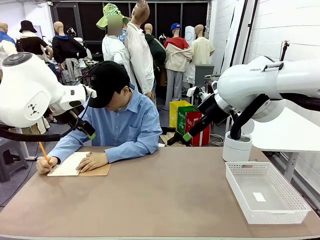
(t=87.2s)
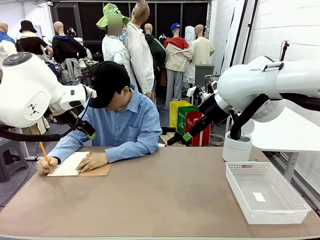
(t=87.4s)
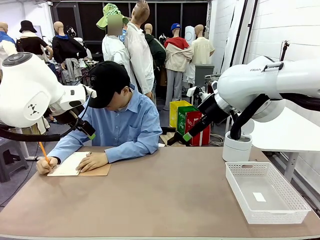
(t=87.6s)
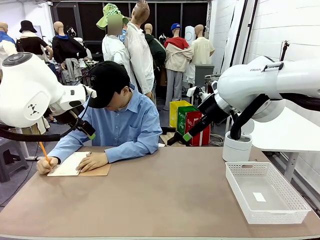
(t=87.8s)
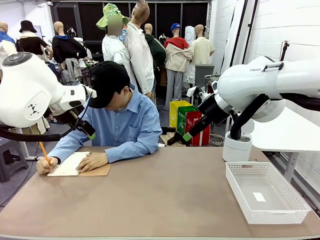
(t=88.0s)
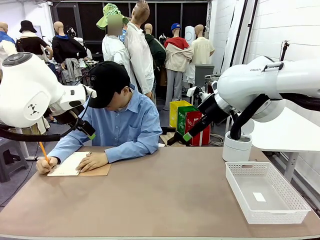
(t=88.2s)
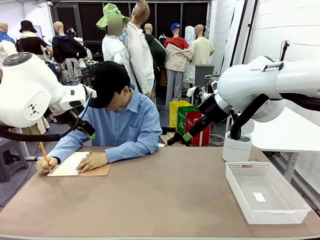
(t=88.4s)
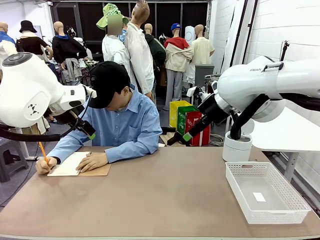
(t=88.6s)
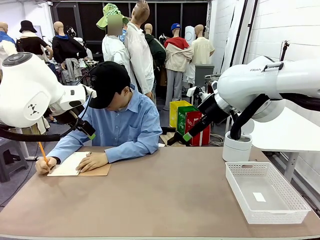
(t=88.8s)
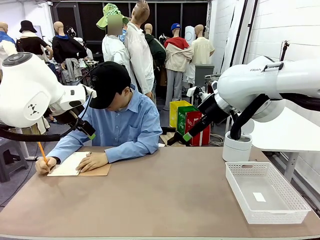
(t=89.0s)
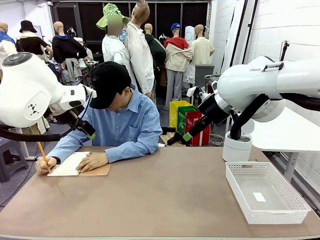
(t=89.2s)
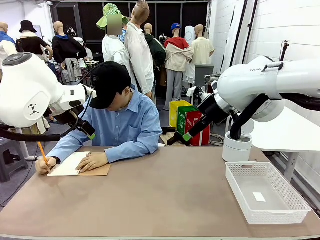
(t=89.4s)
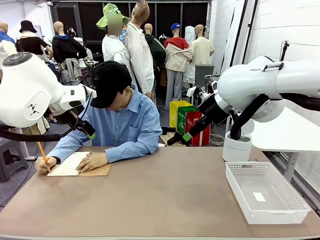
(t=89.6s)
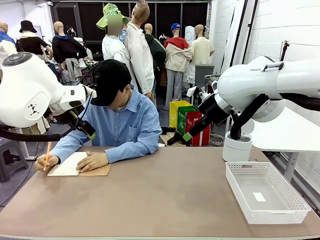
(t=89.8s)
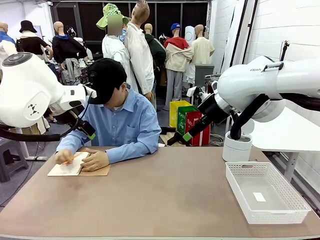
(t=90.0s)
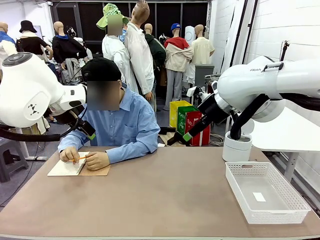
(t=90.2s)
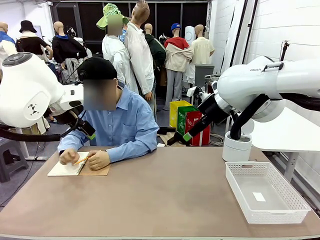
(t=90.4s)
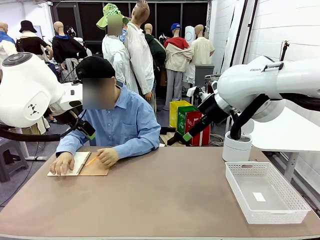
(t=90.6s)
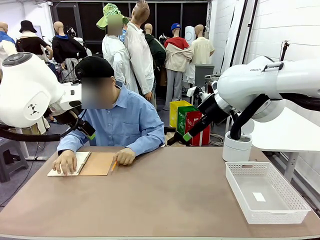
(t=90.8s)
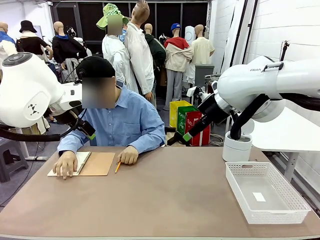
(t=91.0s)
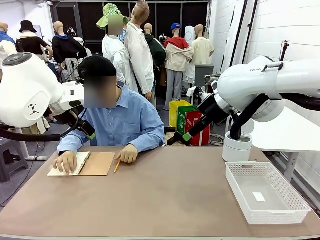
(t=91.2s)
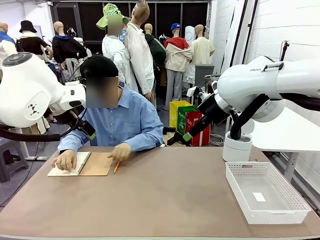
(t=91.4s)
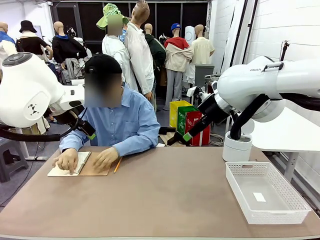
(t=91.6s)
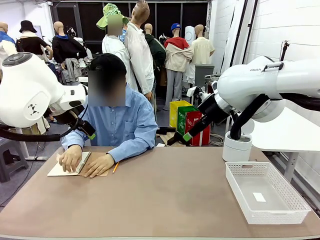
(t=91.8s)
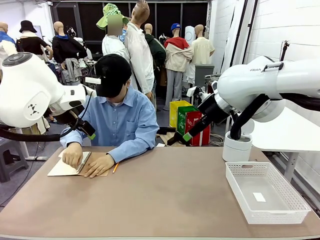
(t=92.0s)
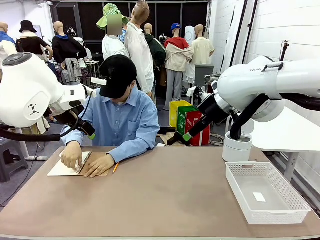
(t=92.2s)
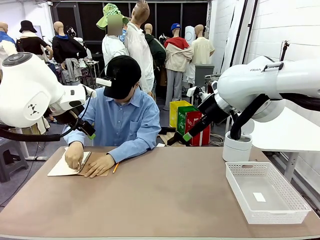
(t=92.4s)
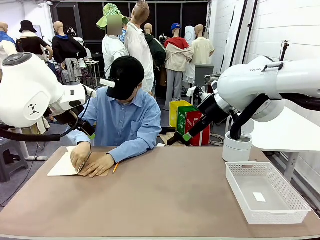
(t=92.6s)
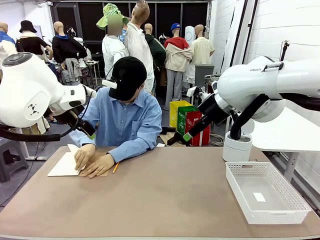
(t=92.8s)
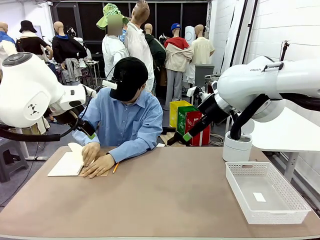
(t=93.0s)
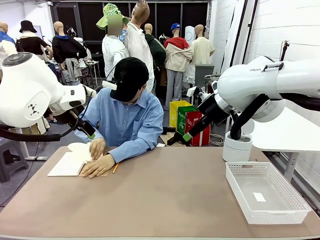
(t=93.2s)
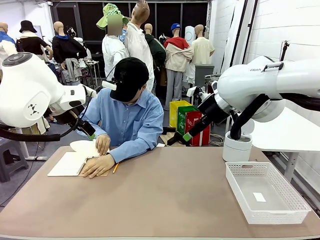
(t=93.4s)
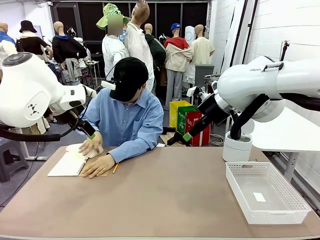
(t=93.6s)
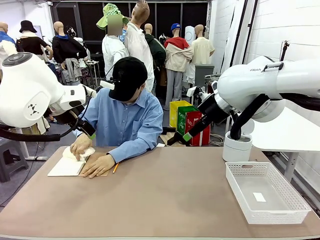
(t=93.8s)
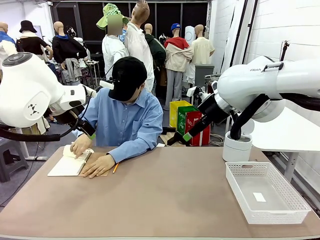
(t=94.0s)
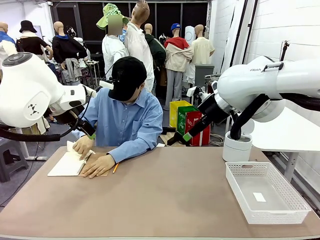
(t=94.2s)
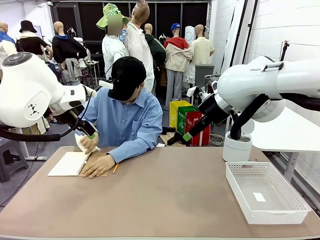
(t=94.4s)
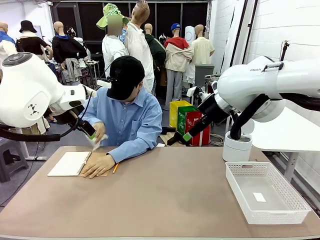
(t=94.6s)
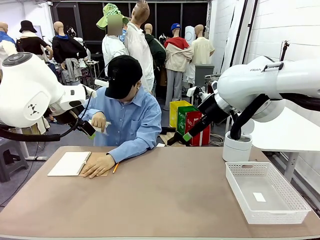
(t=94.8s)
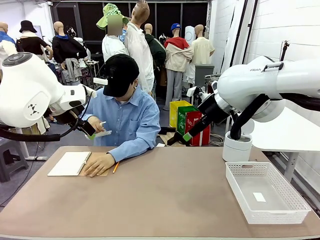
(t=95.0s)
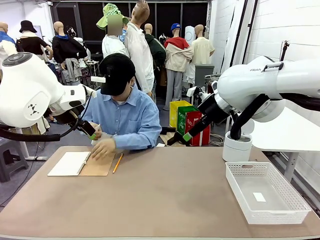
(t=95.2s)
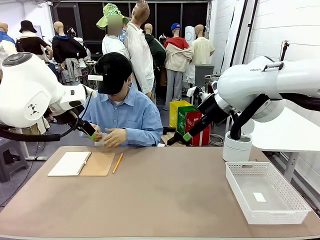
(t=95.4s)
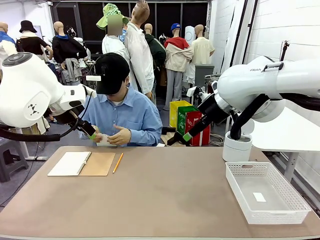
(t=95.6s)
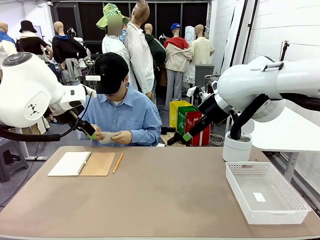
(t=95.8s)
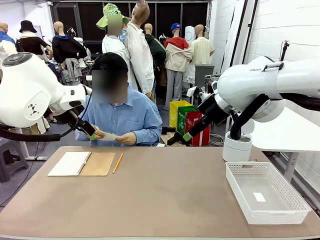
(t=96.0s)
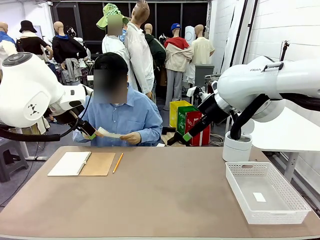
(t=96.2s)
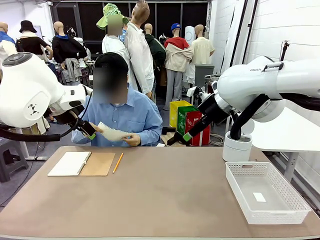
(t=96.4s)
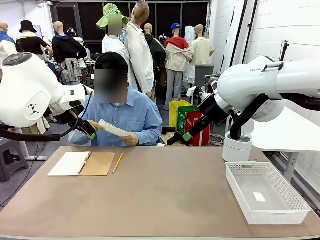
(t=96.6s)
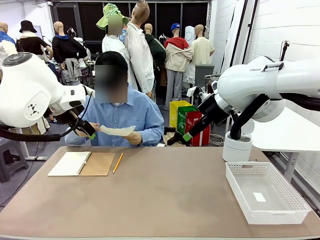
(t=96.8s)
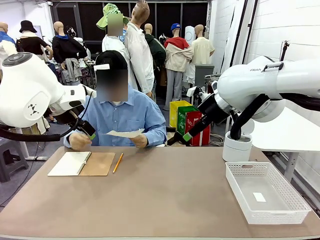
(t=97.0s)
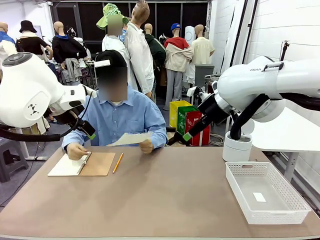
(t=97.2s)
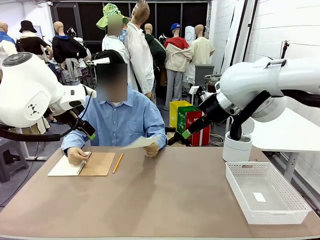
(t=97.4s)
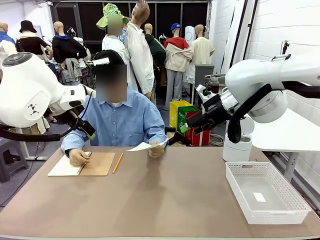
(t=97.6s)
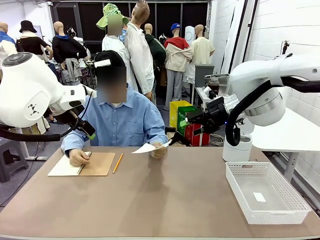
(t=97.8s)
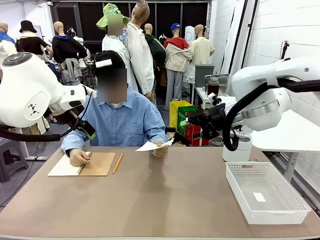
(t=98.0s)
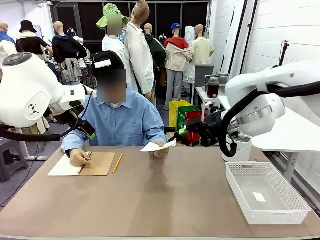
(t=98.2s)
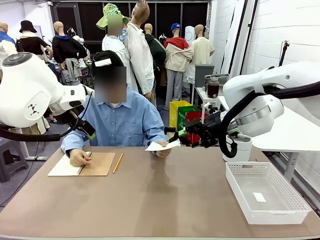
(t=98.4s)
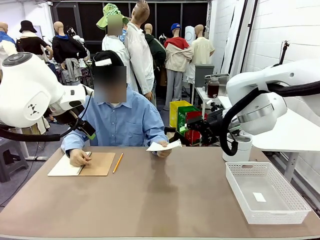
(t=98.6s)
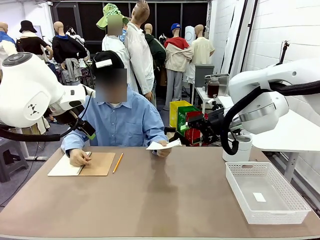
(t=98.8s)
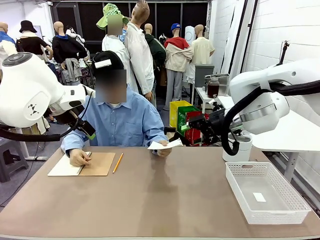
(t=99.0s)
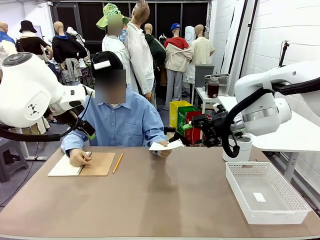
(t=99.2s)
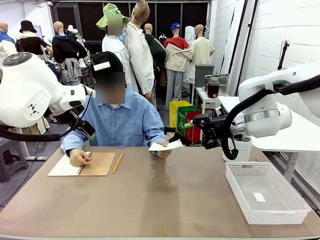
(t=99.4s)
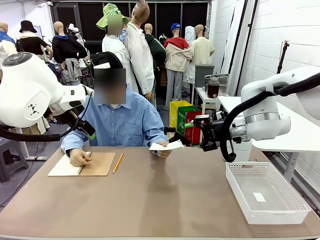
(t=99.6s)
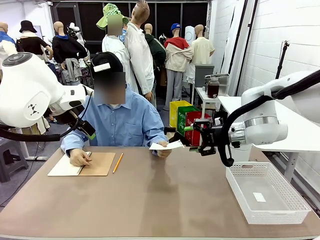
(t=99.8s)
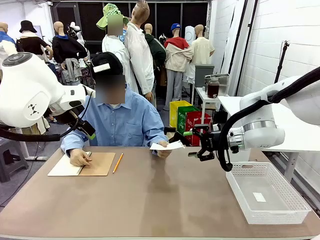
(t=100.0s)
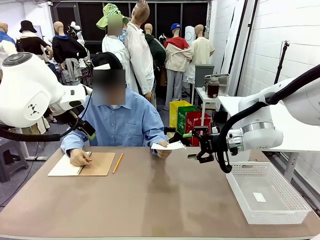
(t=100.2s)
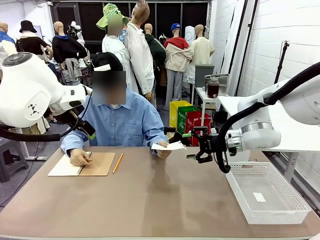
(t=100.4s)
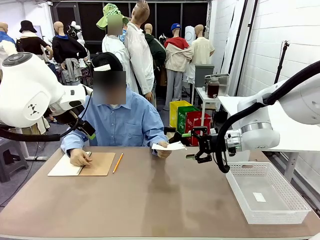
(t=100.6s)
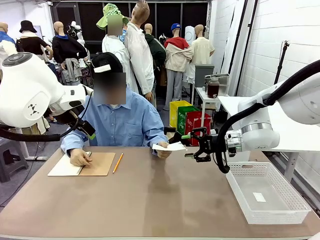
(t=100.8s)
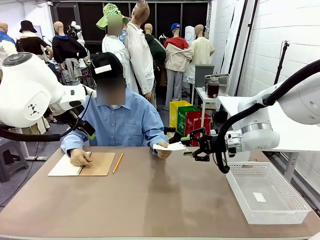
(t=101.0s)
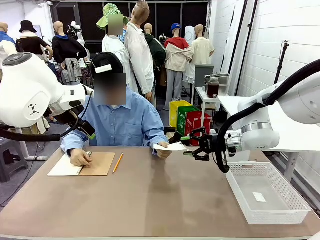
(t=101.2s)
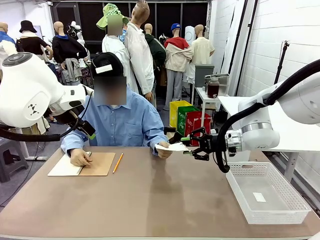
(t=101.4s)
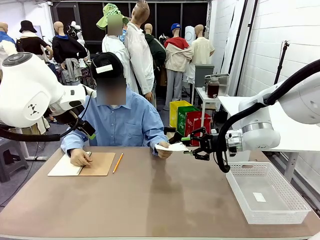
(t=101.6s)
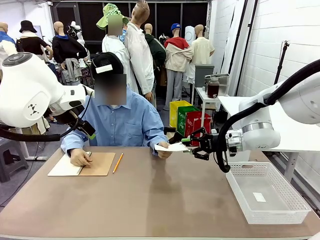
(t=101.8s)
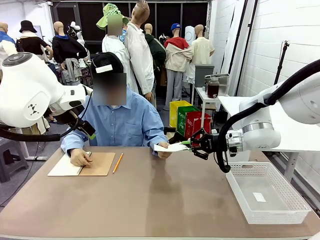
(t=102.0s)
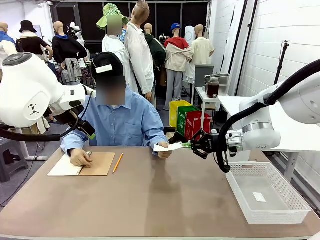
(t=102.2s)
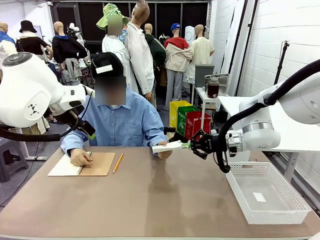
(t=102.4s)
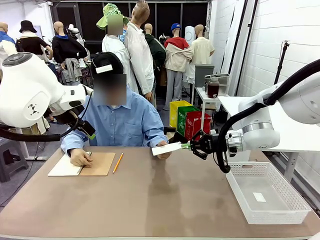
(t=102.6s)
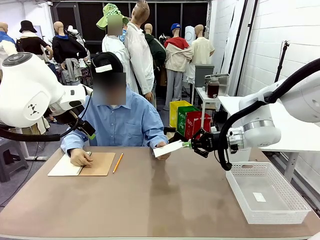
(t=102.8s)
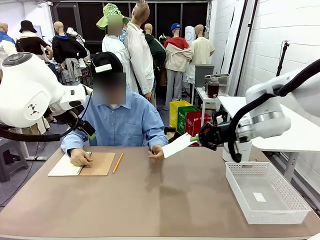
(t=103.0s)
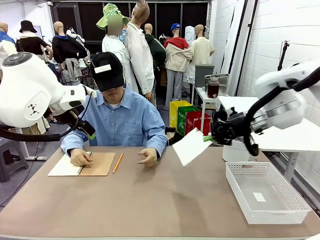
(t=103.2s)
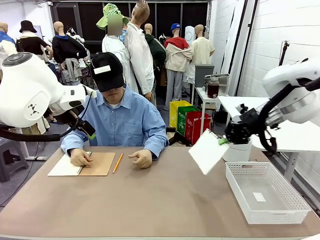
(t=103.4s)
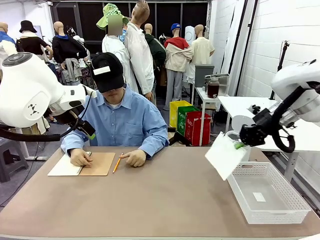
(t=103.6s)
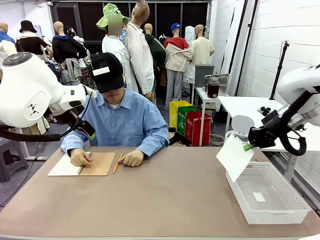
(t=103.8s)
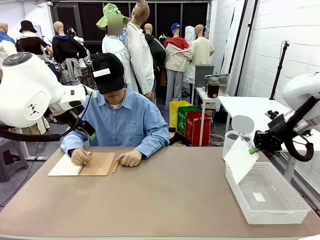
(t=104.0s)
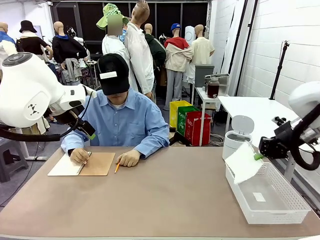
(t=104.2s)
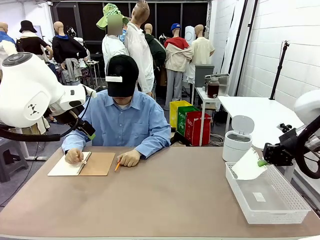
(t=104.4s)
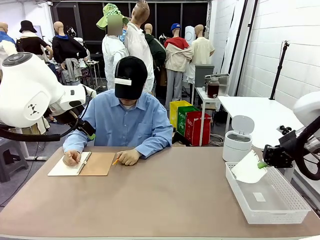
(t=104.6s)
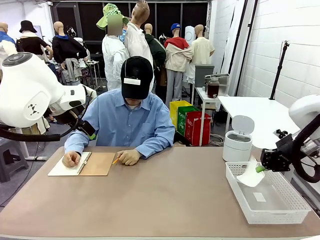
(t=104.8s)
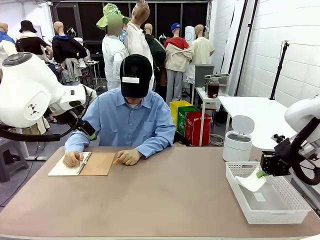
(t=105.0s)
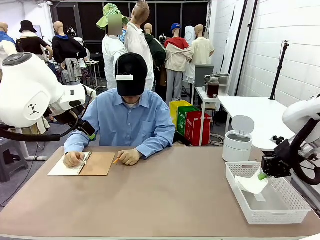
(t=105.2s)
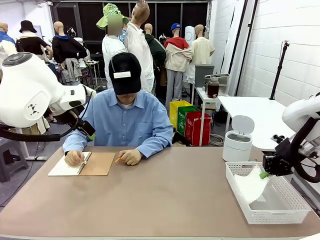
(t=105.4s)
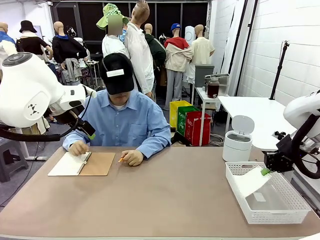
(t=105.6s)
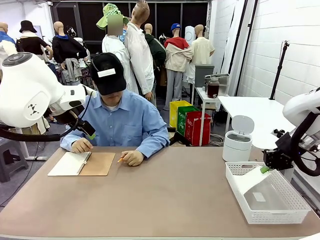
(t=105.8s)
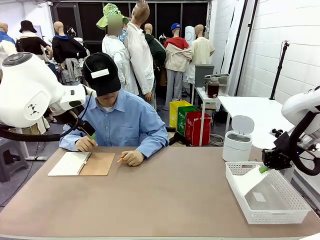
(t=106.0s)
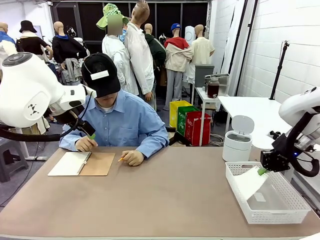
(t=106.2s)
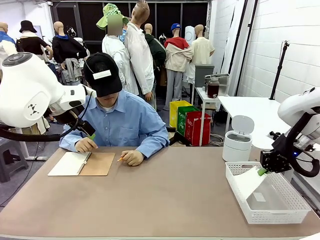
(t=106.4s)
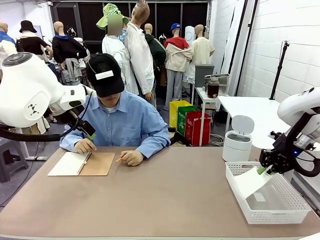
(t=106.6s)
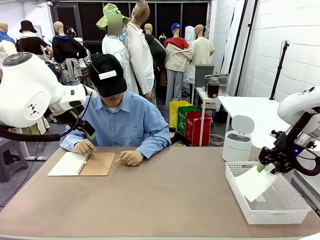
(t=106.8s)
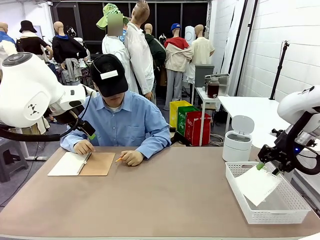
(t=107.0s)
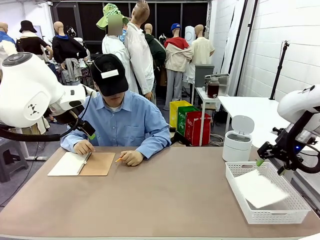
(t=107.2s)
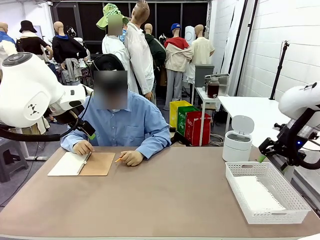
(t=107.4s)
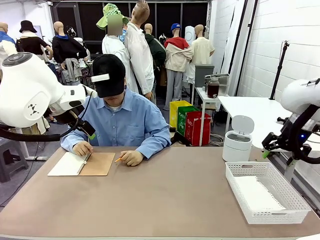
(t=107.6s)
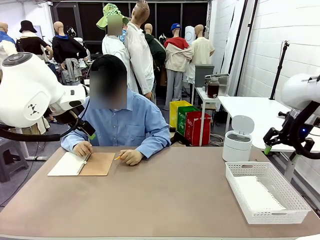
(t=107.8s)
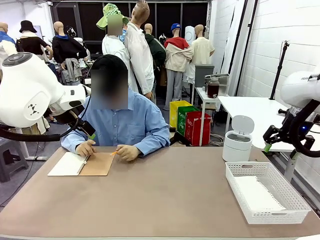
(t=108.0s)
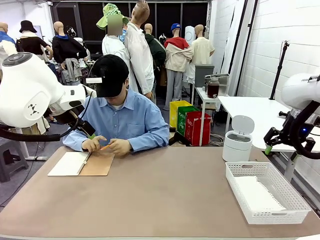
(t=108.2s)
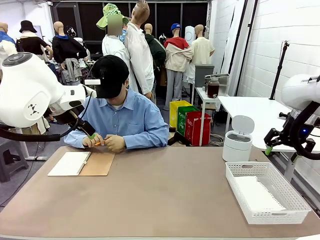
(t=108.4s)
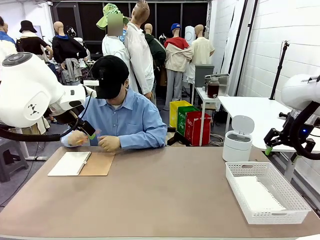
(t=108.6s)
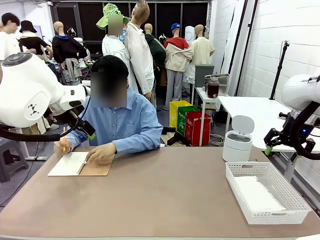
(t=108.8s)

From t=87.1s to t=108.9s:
Task: Sort the paper based on its condition.
Robot: If a person hands you a paper, place it in the Organizing basket , and if it's crumpled, put it in the Trash can.
Person: Hand the torn page to the robot or crumple it and throw it to the center of the table.
